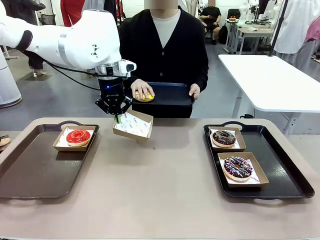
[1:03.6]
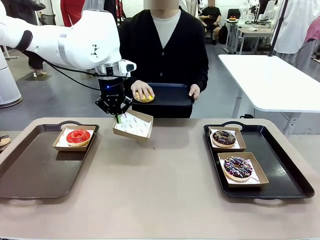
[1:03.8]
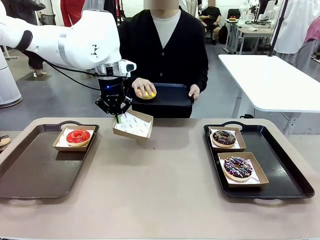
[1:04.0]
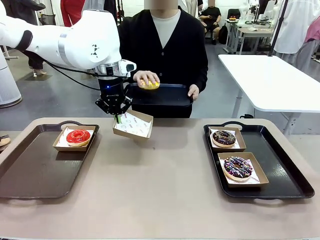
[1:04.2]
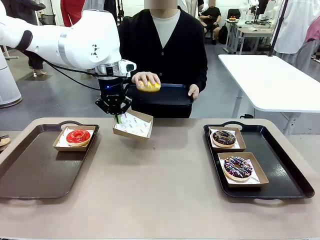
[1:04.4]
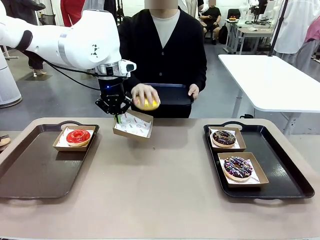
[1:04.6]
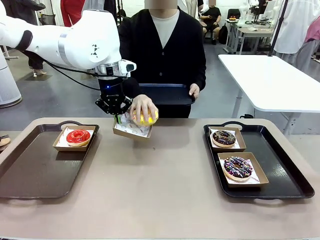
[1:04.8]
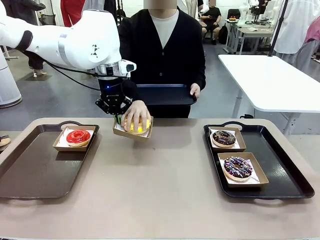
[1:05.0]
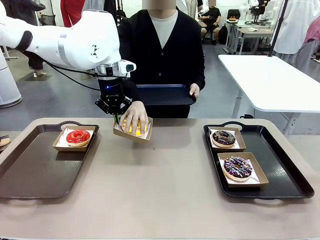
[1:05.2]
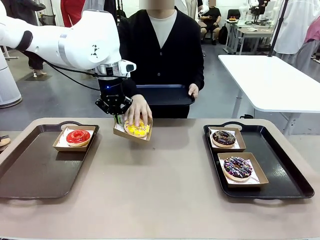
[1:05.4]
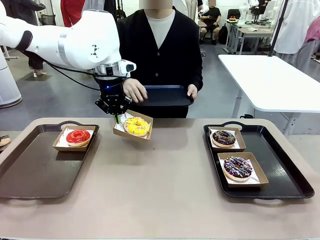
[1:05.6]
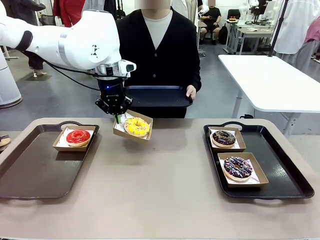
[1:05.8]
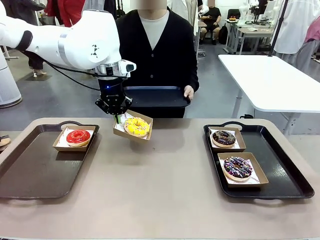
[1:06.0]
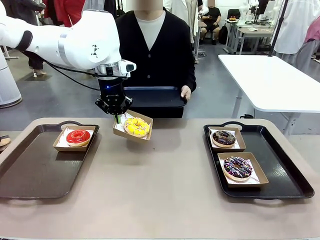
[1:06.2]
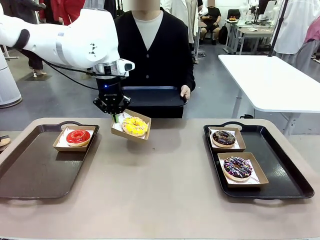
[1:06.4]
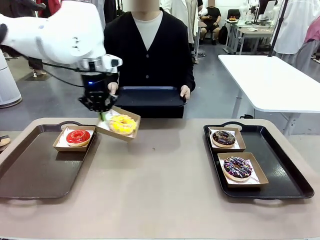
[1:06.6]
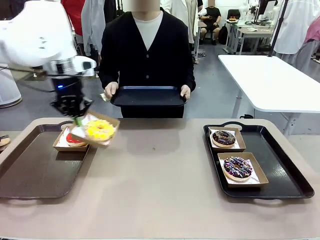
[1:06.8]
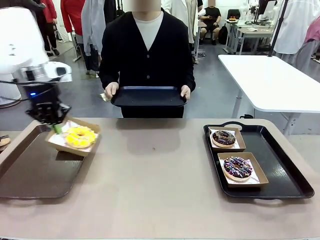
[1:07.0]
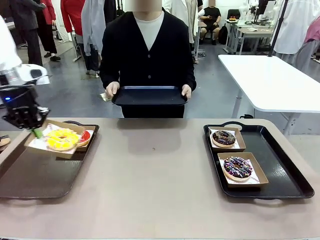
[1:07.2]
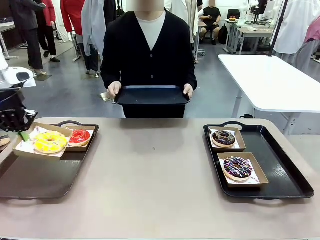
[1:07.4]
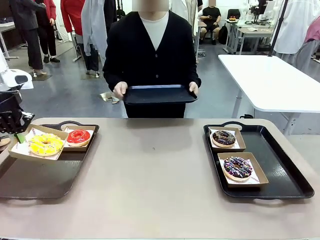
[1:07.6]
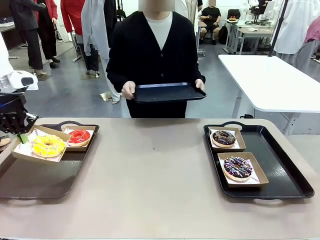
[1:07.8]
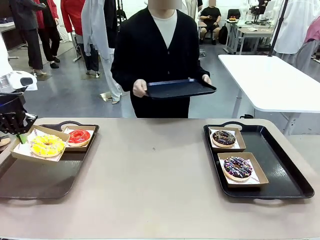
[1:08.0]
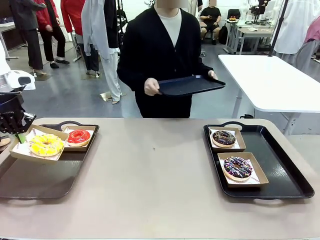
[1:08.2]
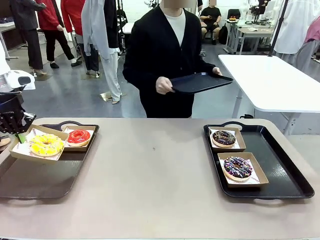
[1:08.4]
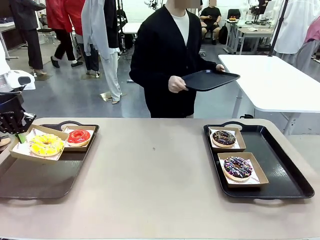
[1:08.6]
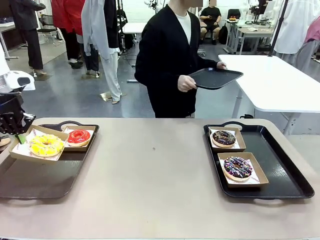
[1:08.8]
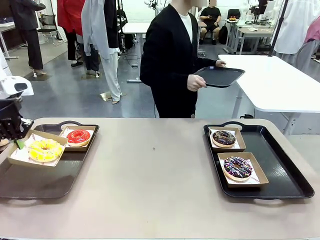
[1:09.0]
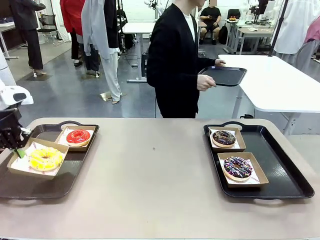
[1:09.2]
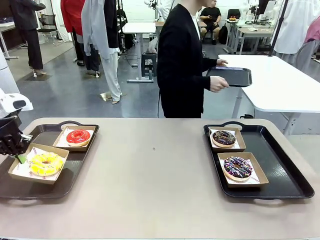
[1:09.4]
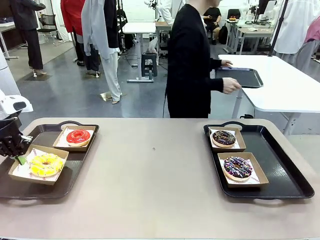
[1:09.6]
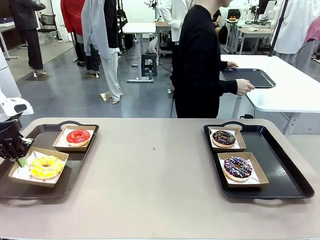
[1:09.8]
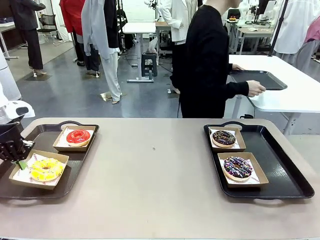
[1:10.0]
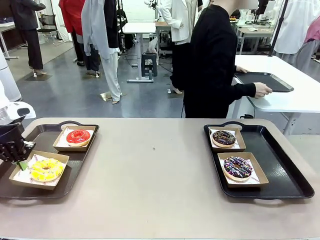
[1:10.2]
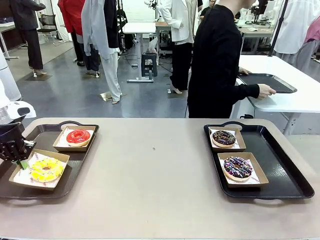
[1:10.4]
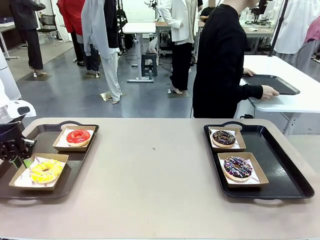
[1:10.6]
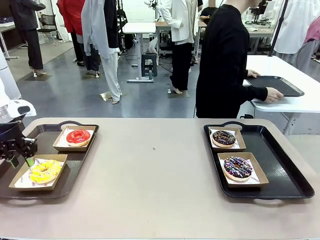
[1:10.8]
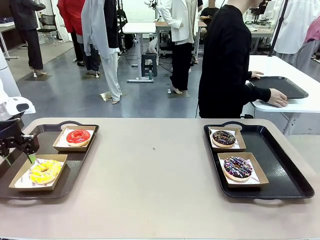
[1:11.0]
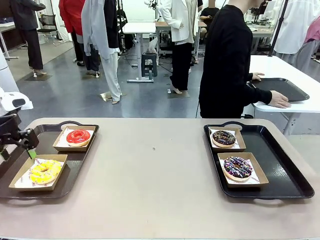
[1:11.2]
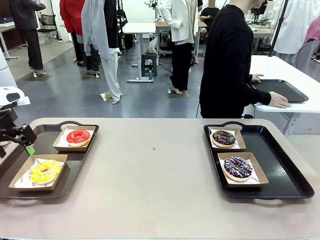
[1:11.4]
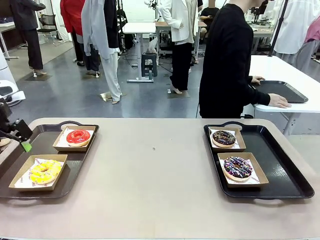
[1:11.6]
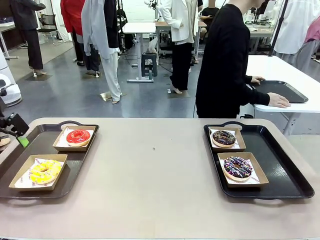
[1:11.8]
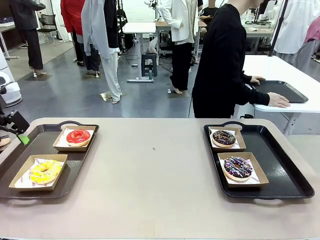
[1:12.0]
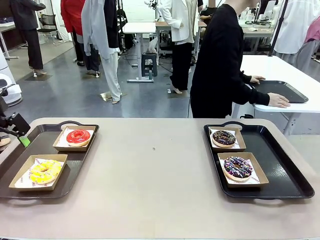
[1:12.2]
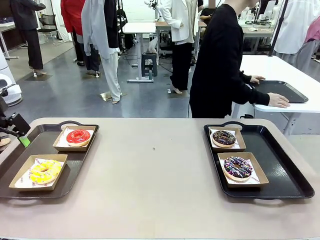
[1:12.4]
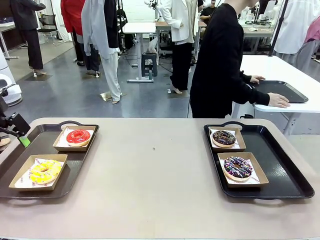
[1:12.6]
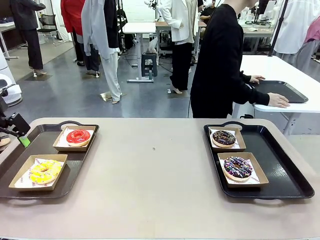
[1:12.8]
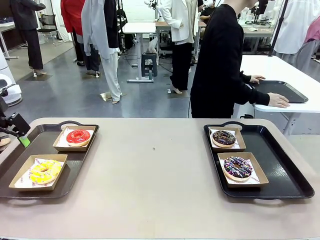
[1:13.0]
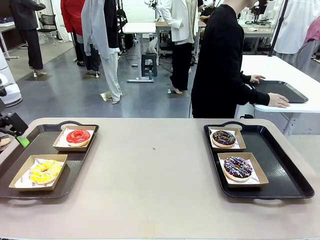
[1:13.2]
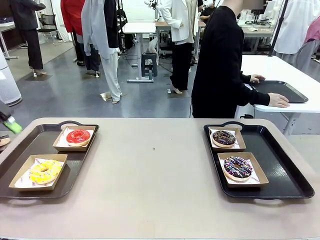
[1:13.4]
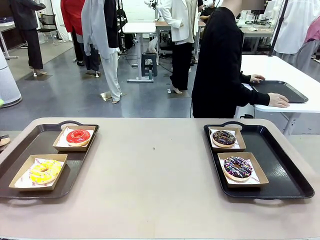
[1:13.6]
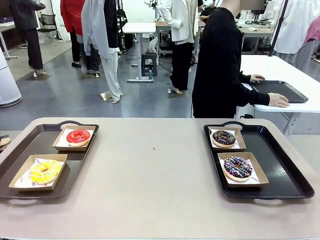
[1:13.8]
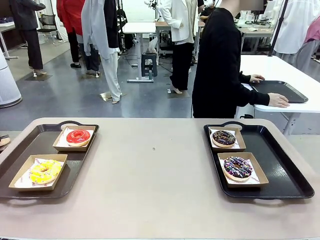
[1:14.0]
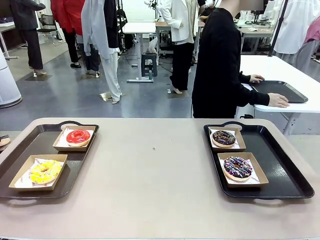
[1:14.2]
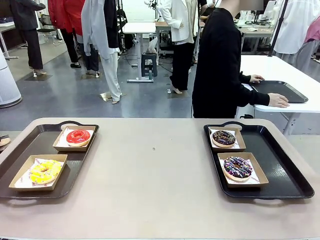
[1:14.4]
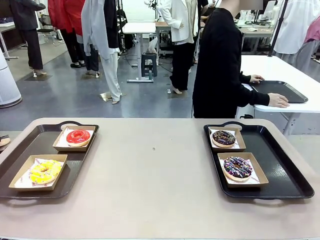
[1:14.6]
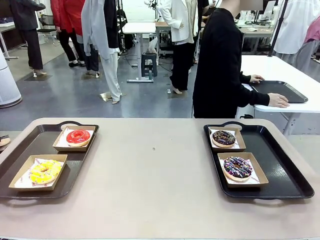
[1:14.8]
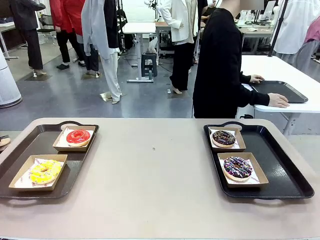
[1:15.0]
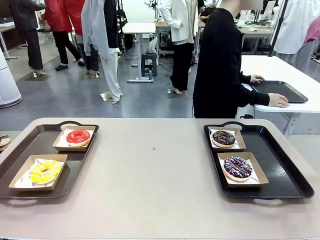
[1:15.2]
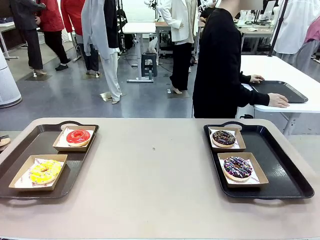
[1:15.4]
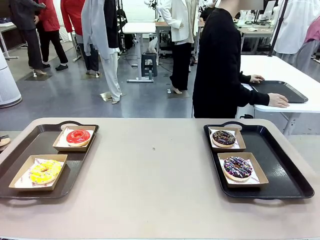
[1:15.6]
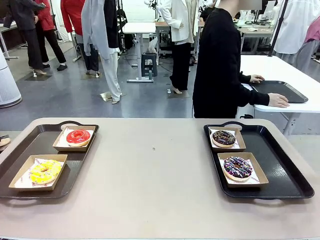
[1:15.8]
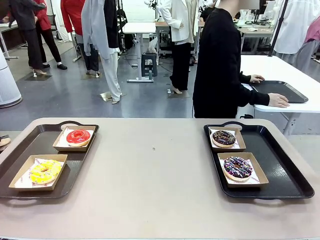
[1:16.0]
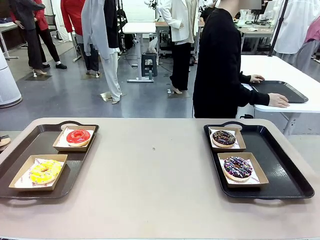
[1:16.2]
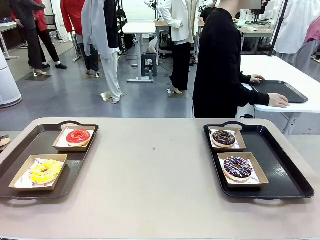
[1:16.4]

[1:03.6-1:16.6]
Task: Individually package the donuts and arrange them on the tray.
Robot: Place the picked Paper togo box on the Handle tray.
Person: Place the tray down in the middle of the human table.

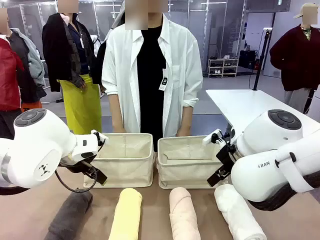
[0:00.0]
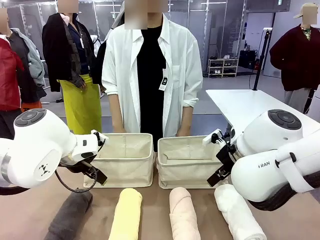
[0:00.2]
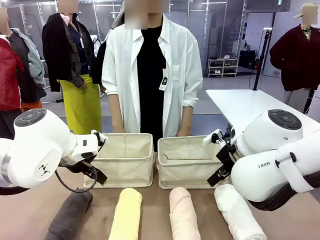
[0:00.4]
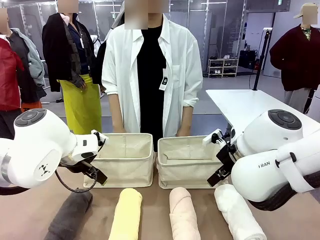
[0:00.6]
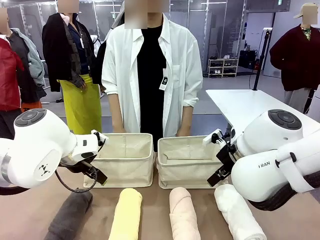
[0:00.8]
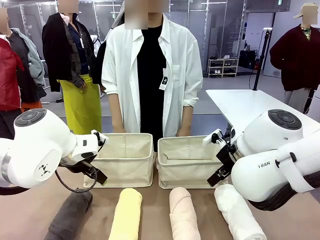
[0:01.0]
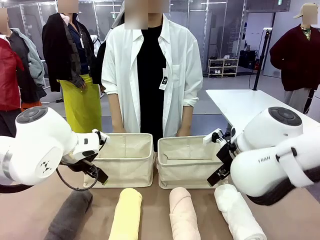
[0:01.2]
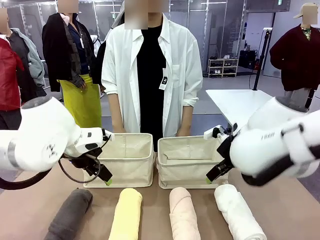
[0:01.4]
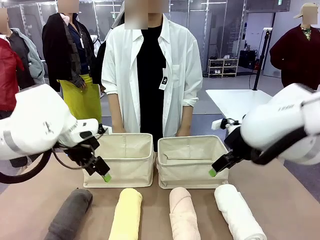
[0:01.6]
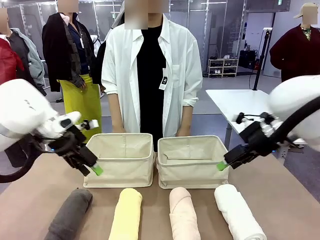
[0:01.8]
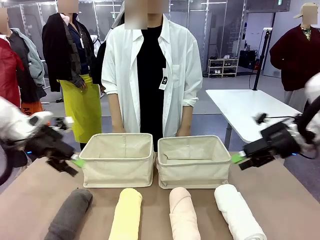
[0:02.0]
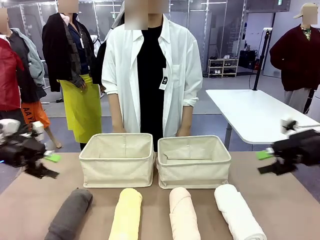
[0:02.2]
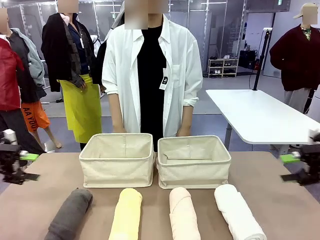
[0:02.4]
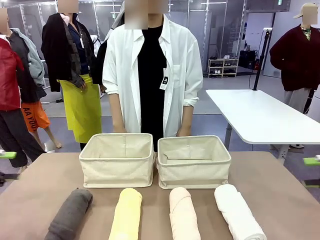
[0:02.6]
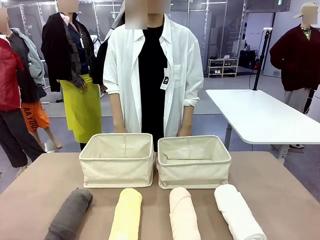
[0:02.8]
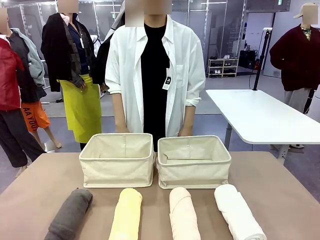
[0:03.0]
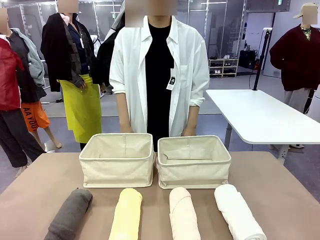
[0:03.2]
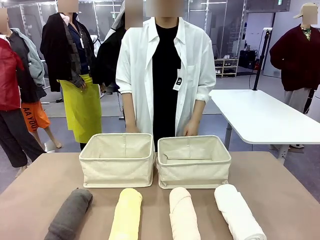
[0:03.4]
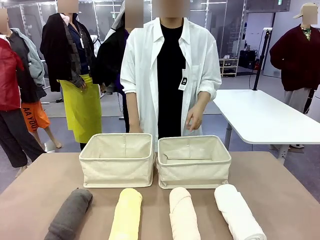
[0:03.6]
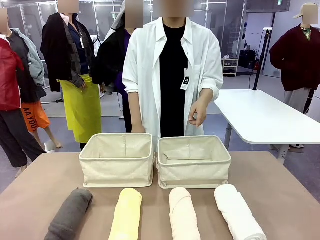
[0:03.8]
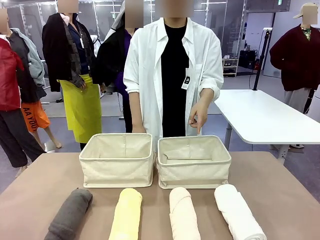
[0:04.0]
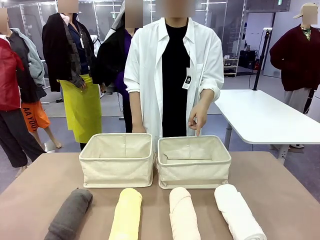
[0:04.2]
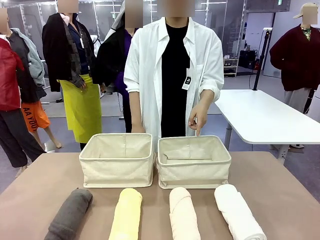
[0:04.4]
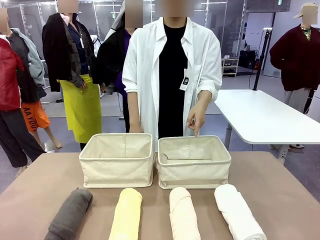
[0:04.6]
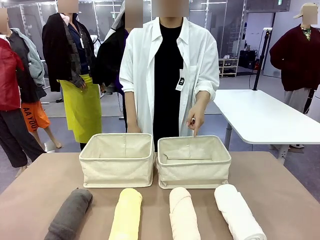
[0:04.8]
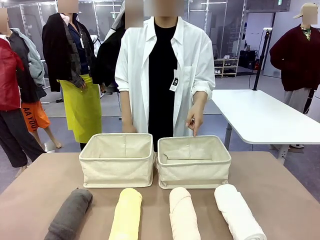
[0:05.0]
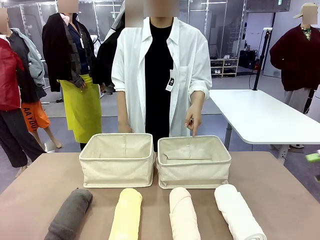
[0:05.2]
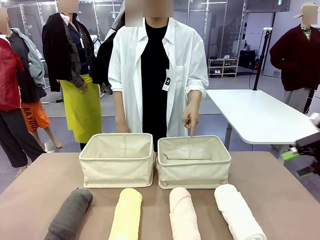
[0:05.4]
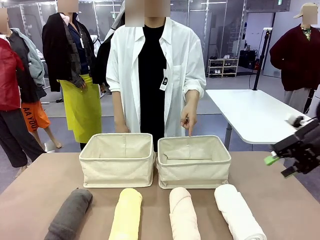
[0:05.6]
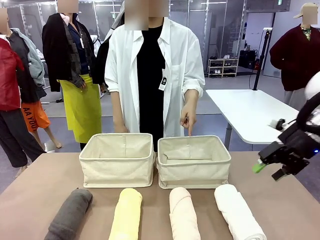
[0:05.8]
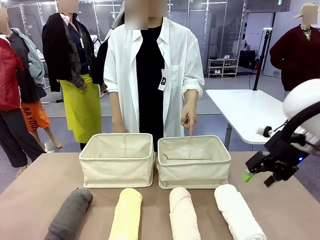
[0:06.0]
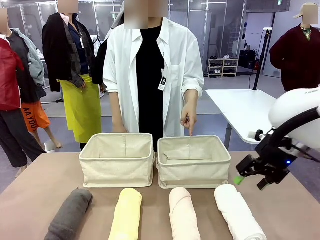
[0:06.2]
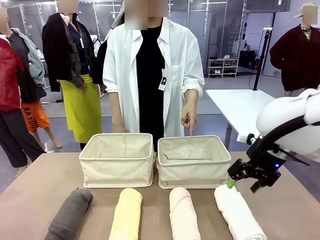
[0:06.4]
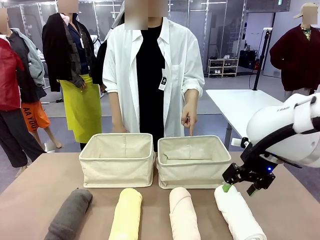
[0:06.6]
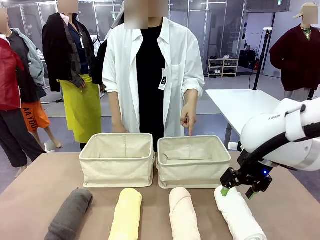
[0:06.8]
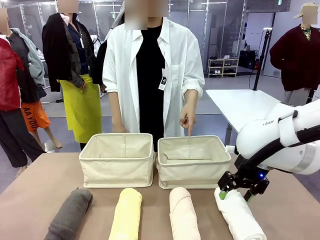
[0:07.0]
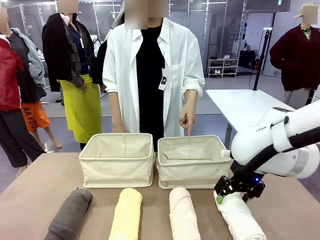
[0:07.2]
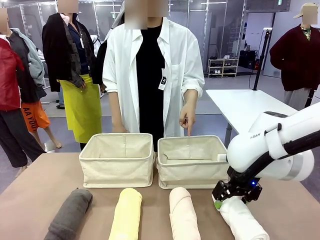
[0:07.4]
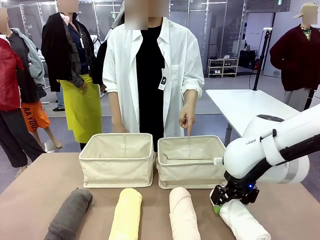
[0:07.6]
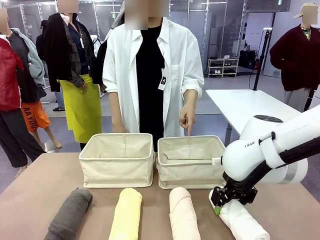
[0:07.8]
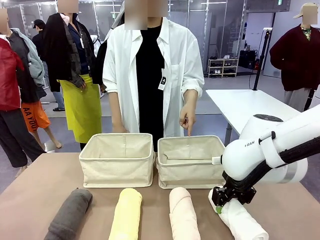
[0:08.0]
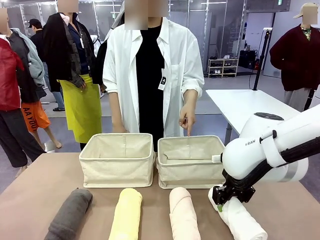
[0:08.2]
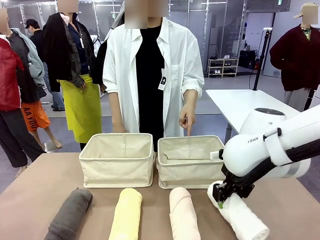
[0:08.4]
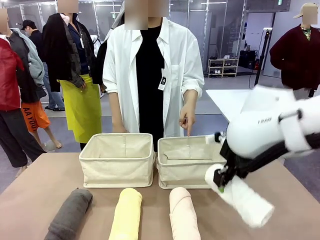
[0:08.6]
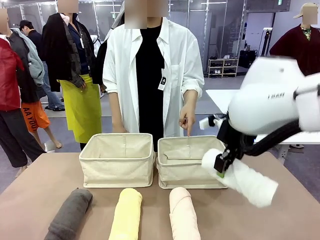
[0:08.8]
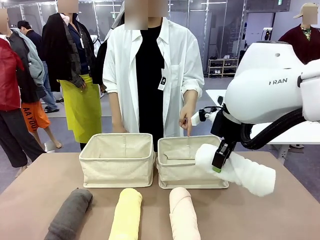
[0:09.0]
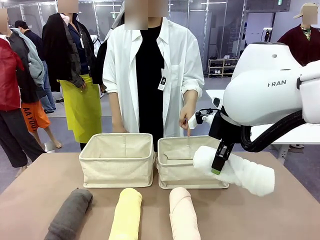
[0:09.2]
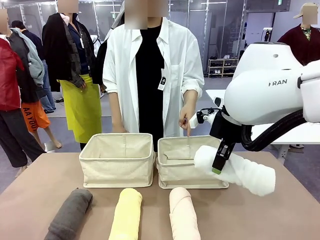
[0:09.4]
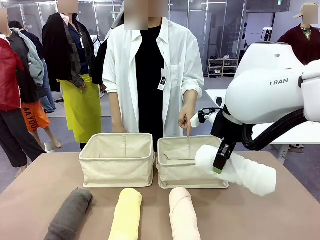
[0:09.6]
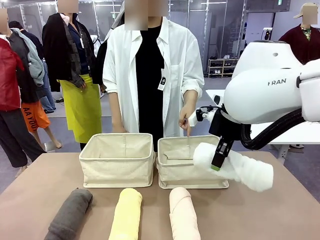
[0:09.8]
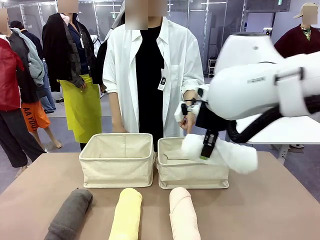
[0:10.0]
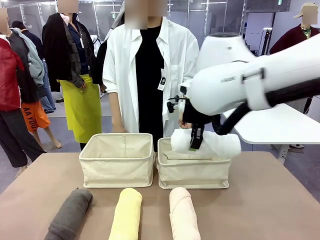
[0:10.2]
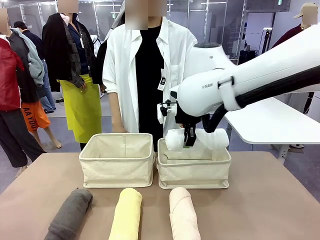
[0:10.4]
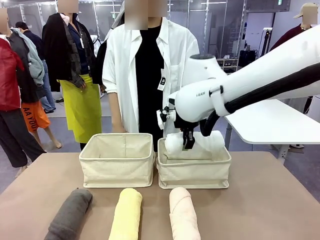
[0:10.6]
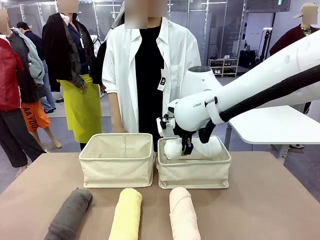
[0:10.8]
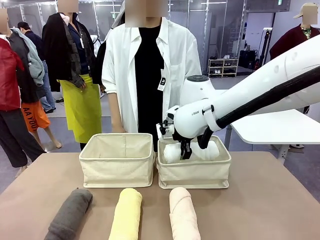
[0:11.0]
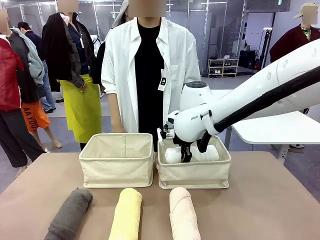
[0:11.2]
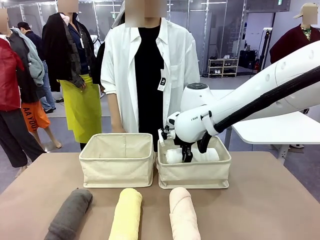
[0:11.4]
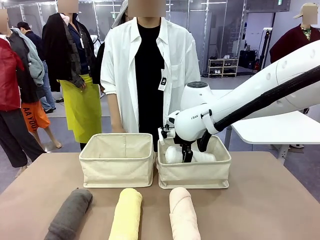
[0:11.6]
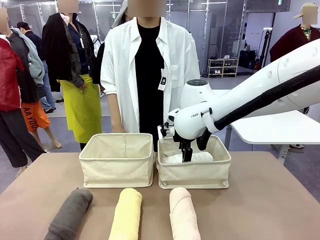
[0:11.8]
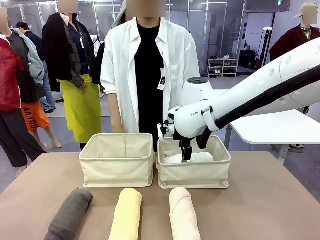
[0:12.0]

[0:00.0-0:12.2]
Task: Divide the towels into two baskets.
Robot: Pick up one hotel-folded towel and place it in the Fabric basket indicated by the person.
